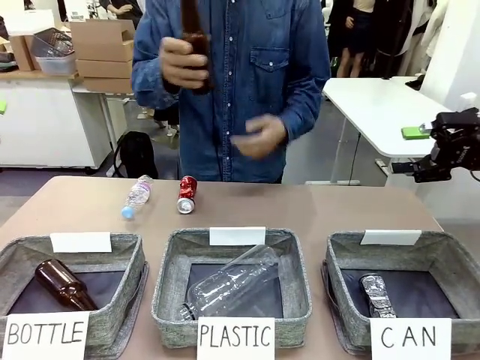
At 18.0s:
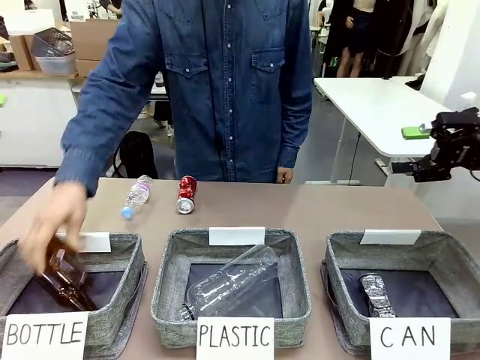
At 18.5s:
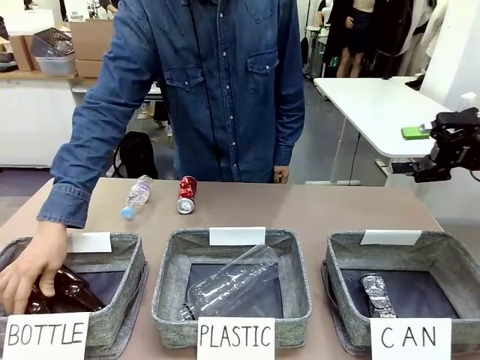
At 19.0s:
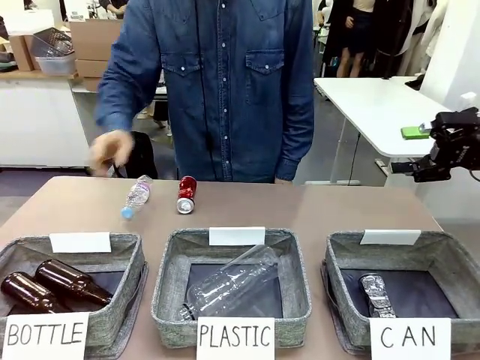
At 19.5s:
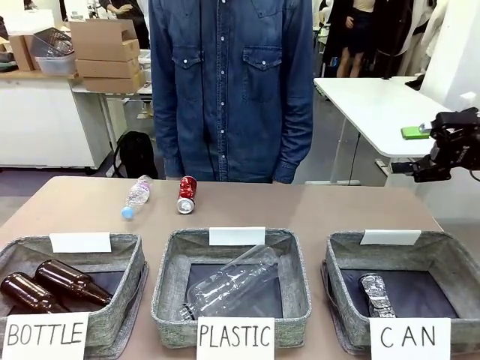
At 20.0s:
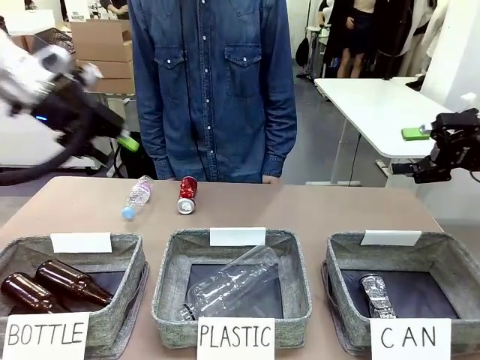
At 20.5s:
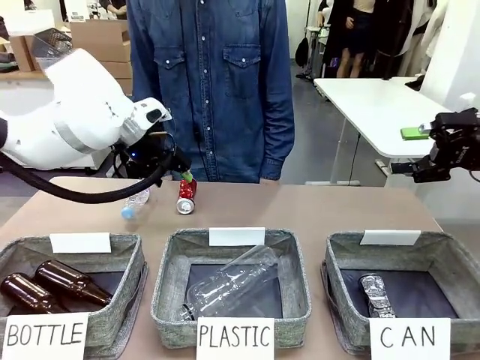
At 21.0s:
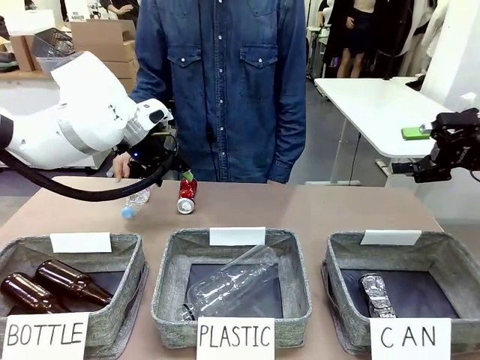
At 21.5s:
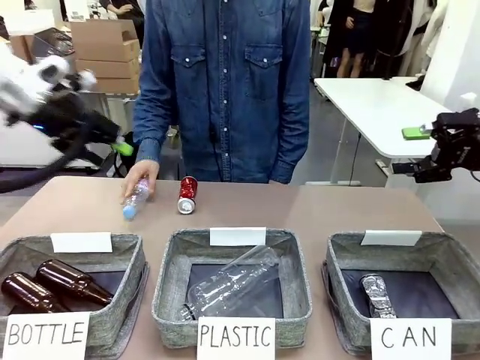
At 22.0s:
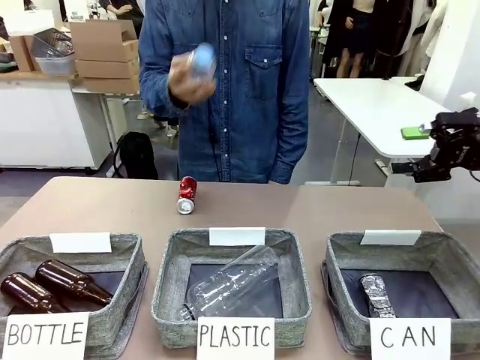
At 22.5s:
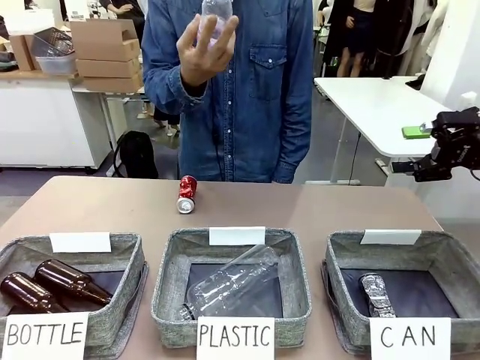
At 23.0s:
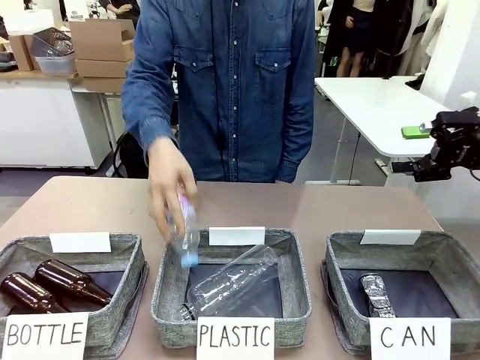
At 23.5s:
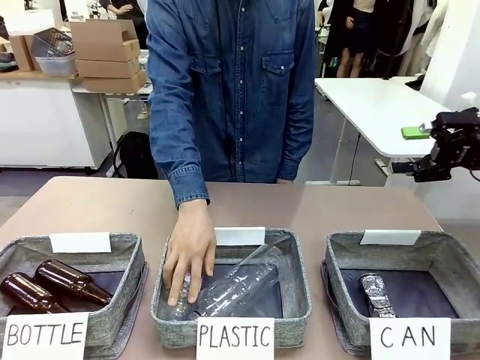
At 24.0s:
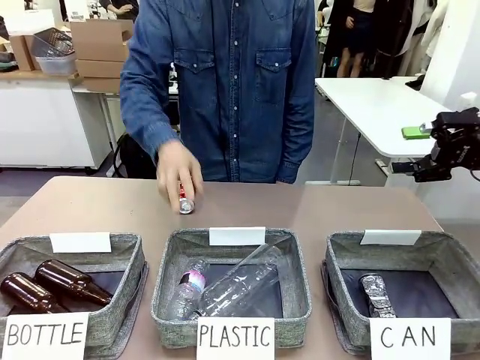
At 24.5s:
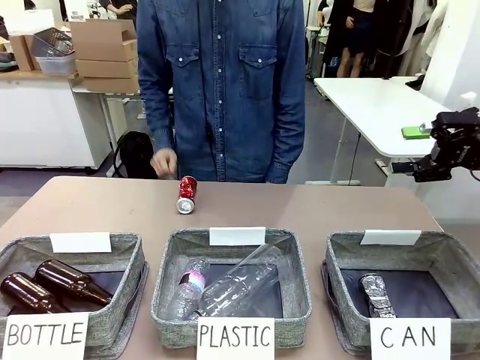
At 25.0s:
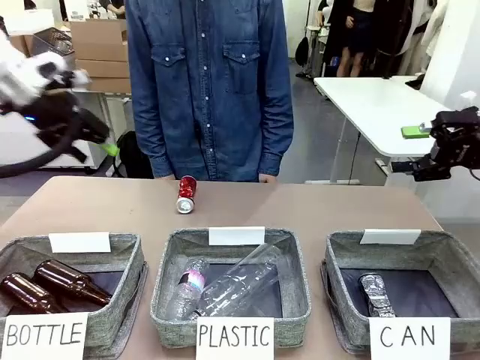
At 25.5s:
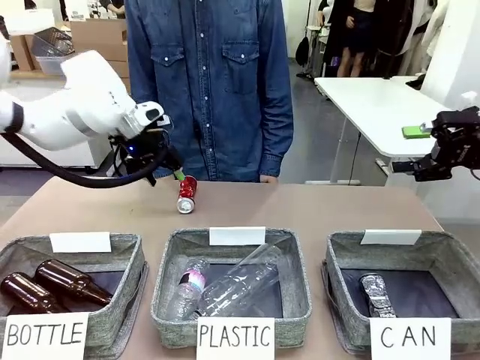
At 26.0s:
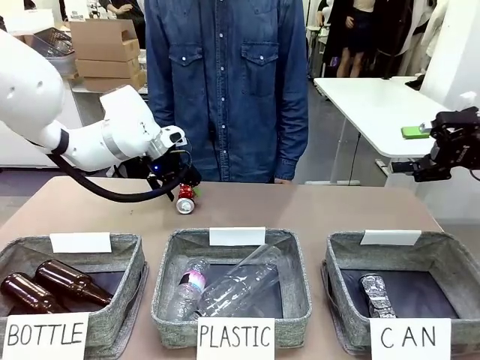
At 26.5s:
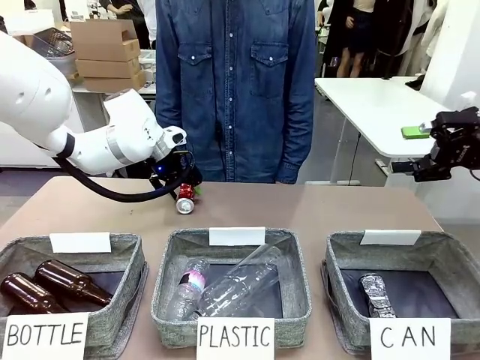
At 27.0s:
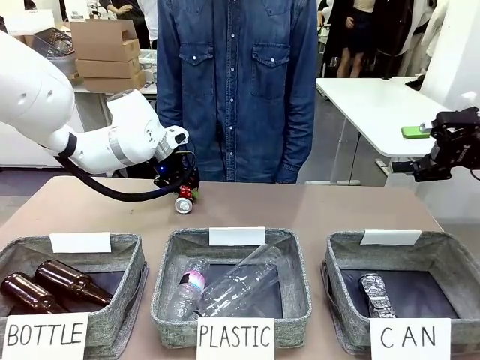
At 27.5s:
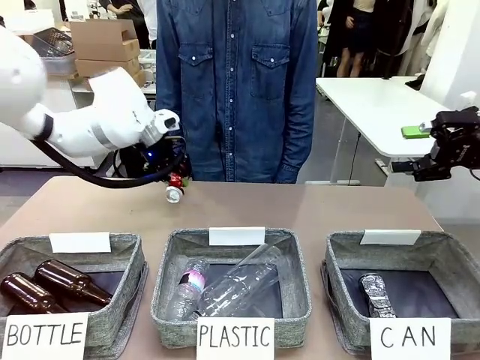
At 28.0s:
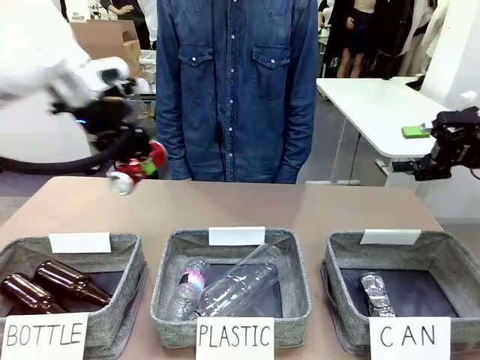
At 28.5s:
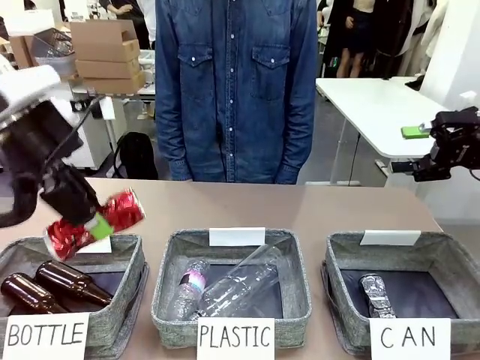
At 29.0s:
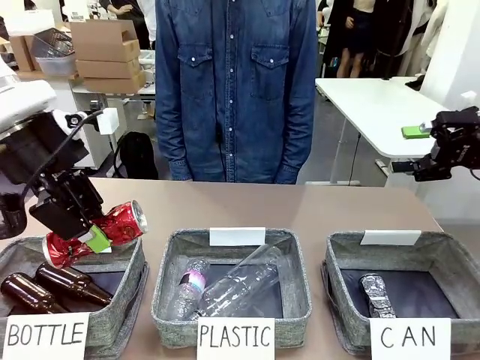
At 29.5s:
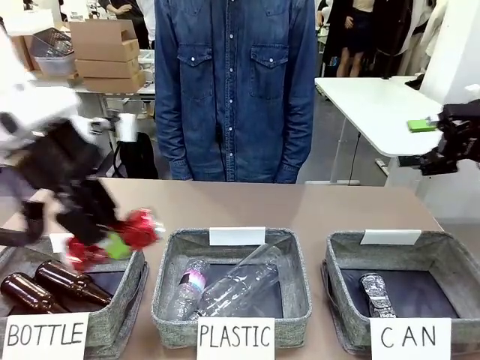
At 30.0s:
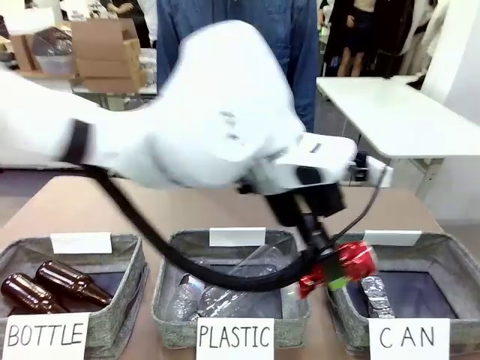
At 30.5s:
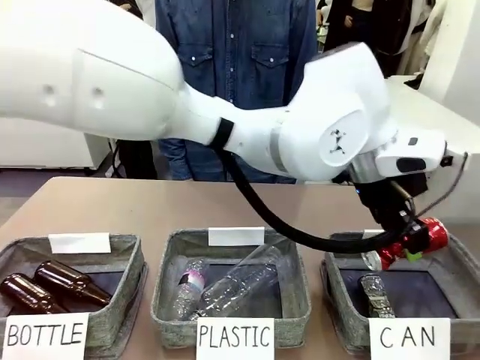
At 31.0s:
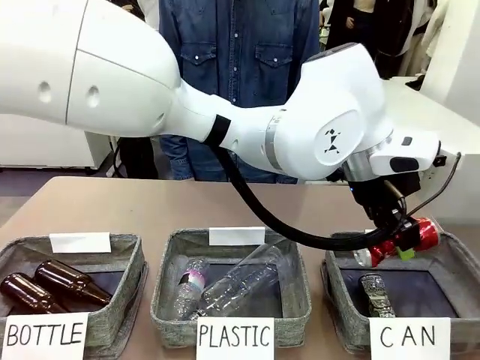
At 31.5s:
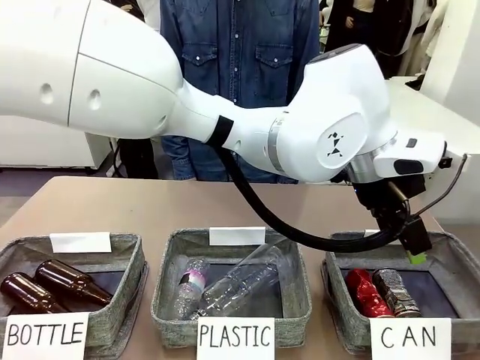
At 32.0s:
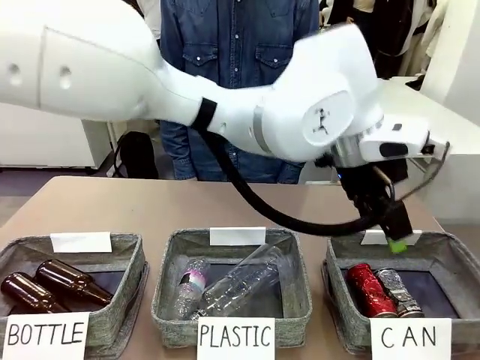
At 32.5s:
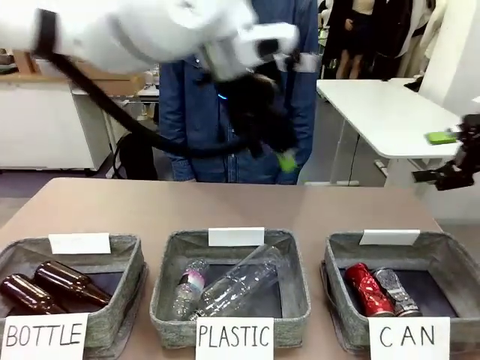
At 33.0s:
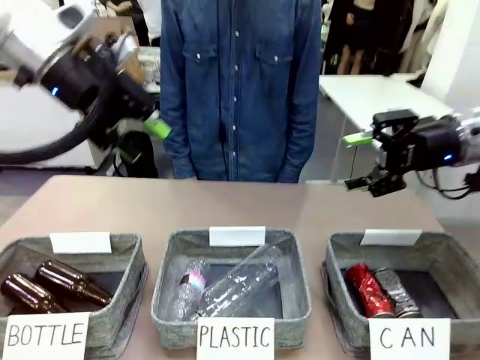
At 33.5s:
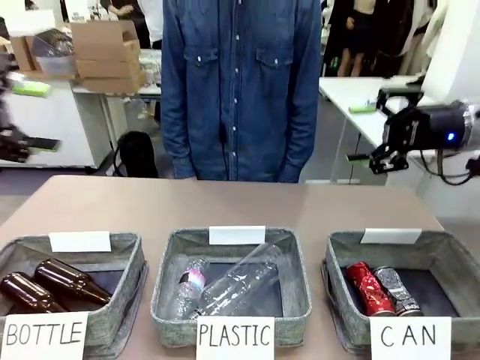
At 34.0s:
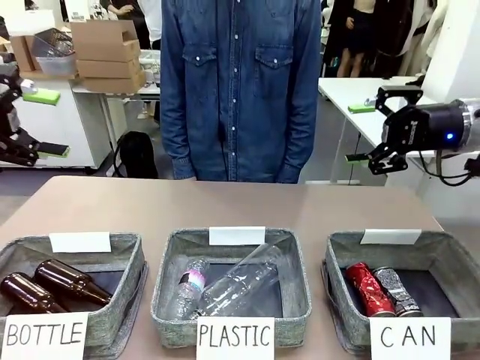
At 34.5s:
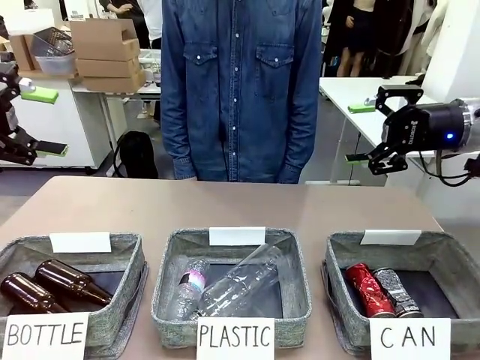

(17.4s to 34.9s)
Task: Sort the can waste into the basket.
Robot: Pick up the can waste from the table and place it in the right Fabric basket.
Person: The human picks up one piece of trash that is not a can and places the trash into the appropriate organizing basket.

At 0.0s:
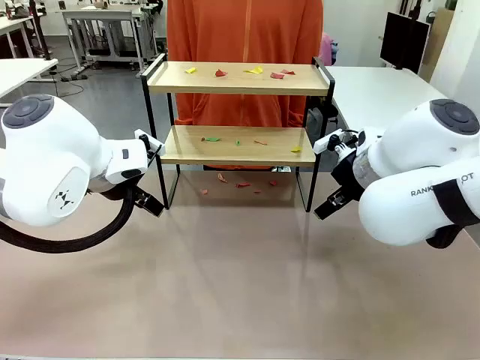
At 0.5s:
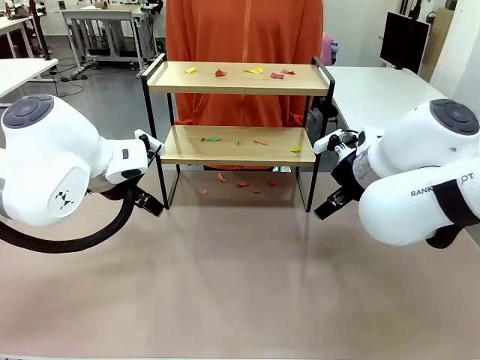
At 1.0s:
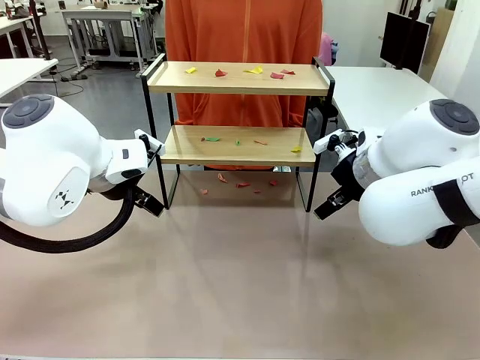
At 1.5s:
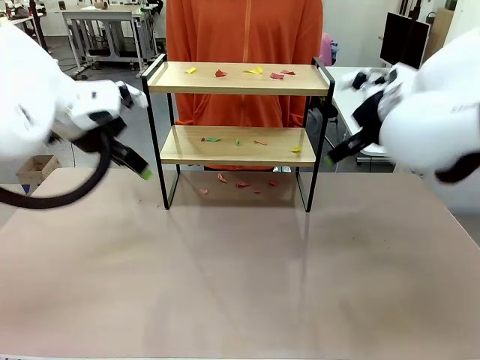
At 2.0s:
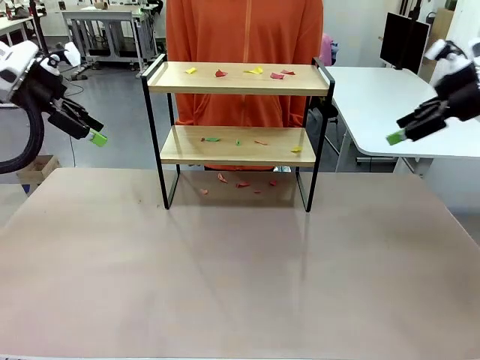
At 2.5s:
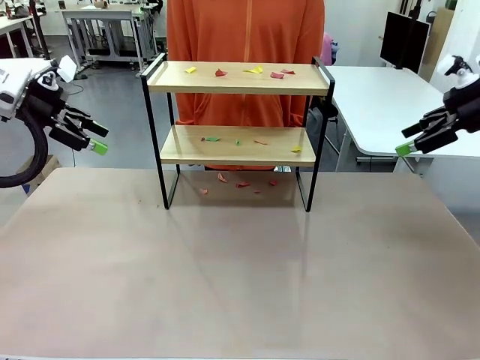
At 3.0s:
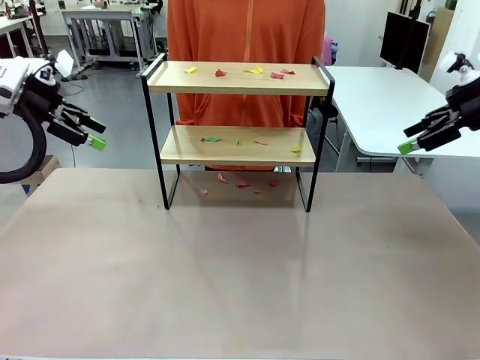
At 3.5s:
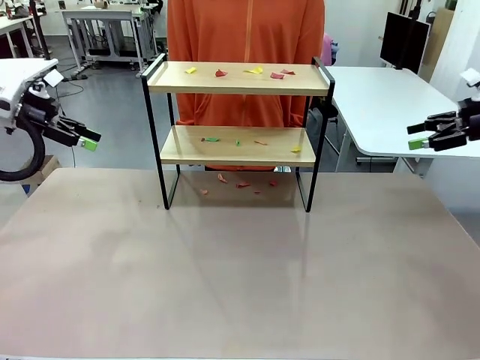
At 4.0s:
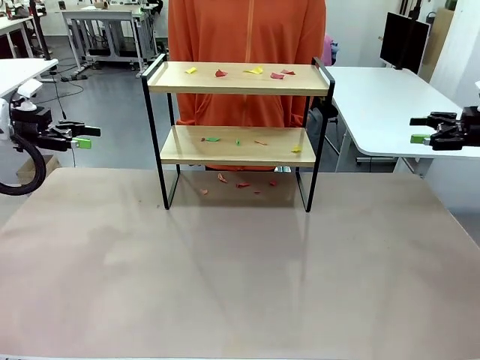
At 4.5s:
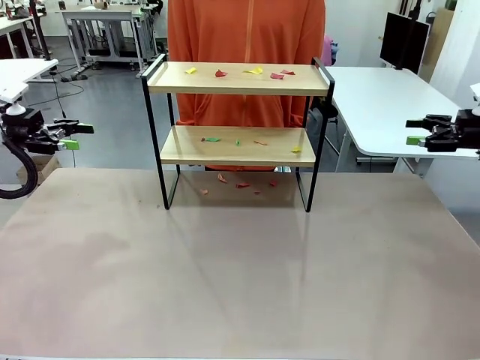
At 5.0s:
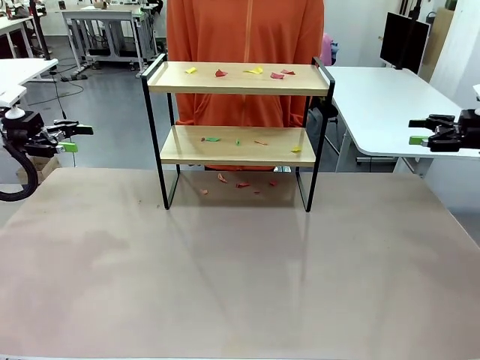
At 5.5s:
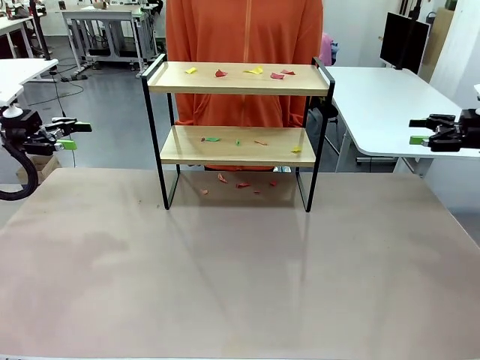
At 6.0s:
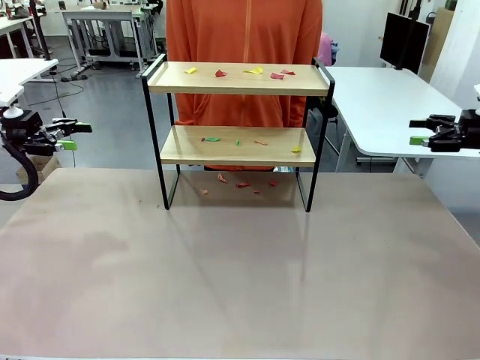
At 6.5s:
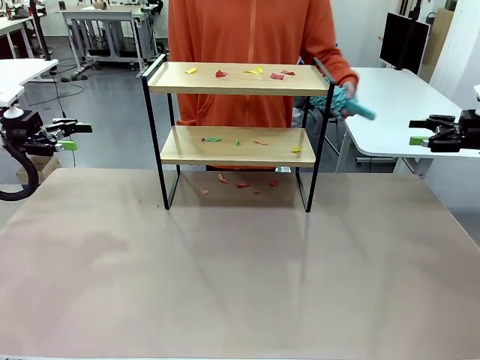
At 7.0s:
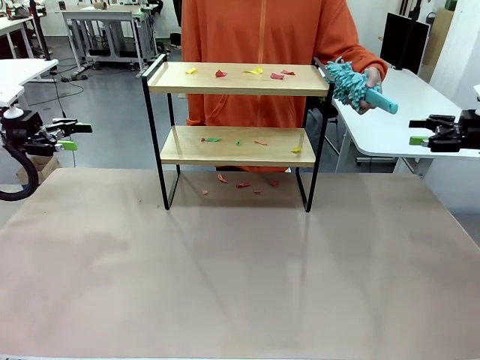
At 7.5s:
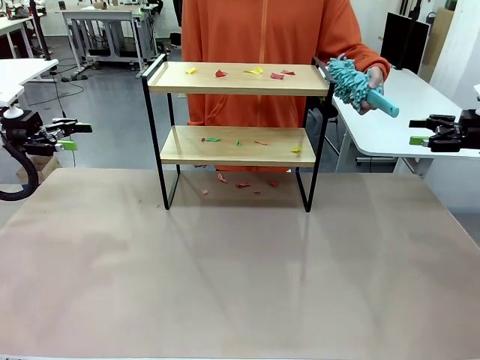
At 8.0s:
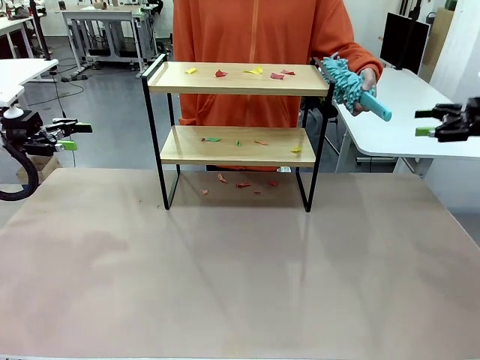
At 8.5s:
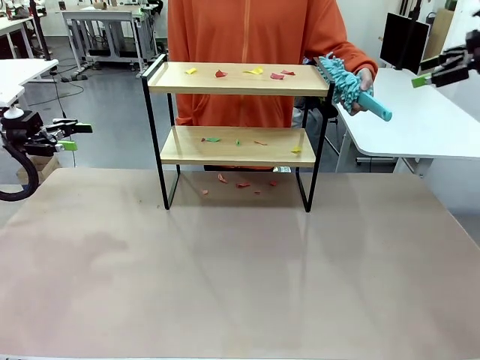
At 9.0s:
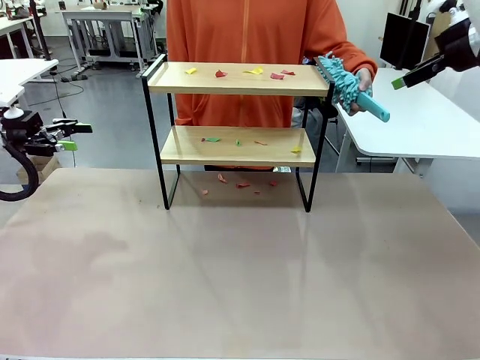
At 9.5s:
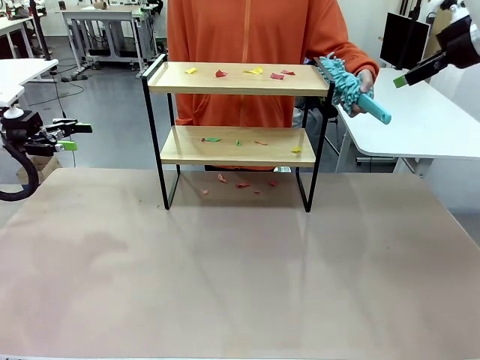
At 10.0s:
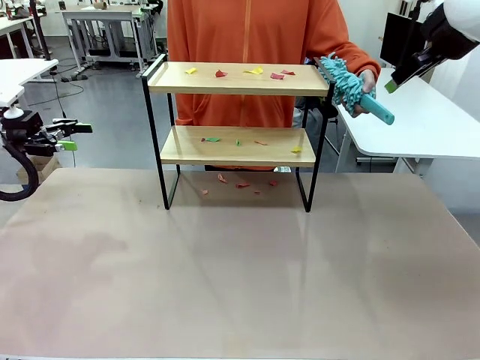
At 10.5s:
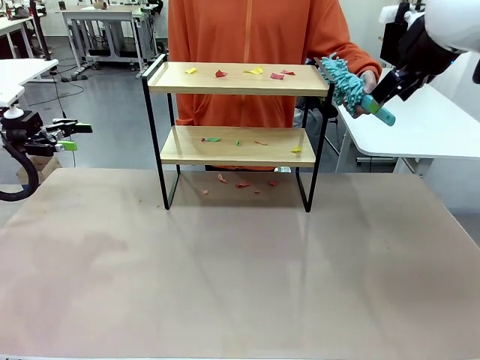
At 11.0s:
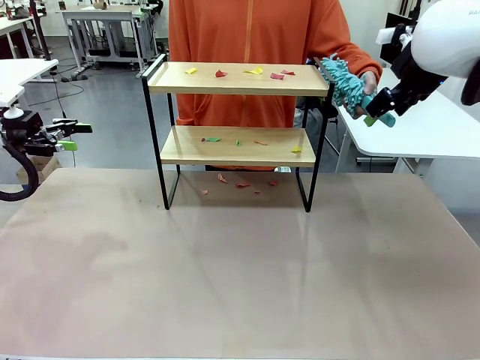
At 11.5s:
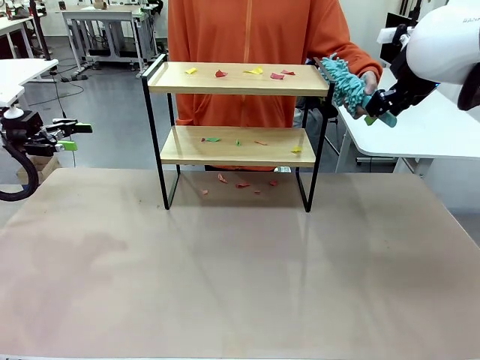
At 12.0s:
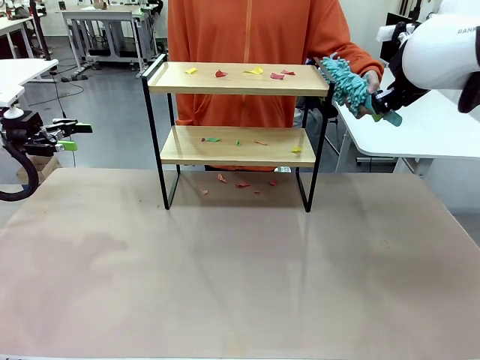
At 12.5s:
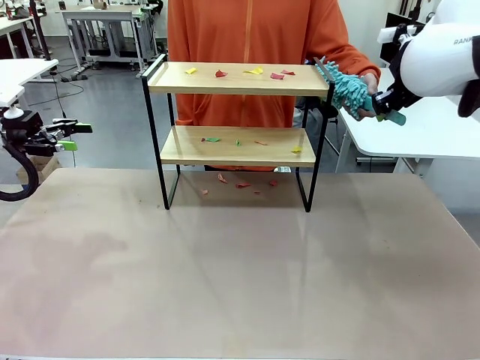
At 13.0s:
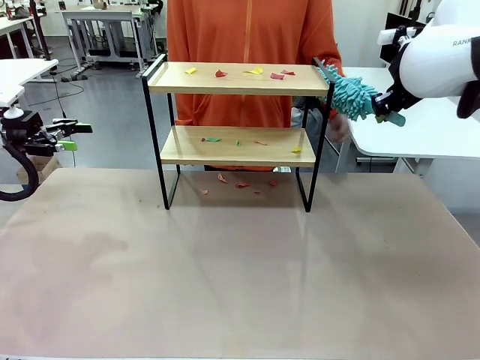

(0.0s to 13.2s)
Task: Clean the shelf.
Robot: Pick up the Duster handed by the human.
Person: Hand the Duster to the robot.
